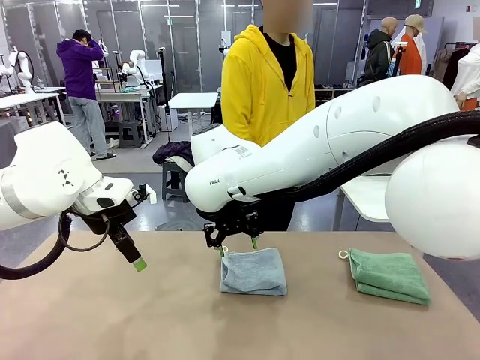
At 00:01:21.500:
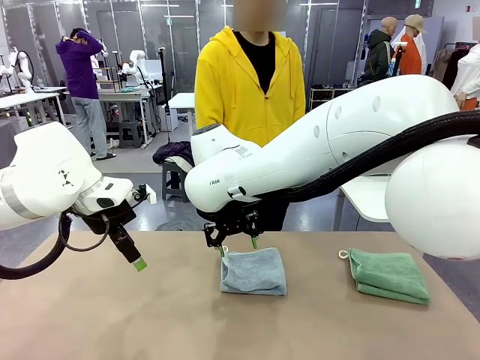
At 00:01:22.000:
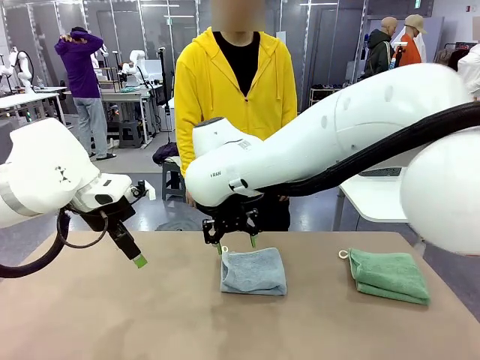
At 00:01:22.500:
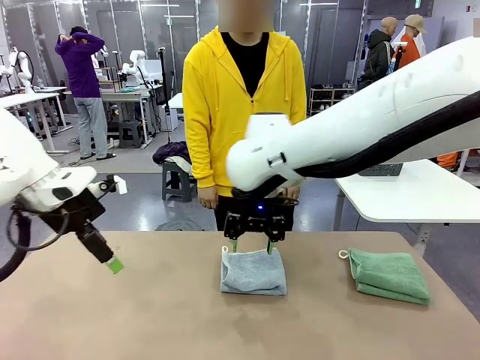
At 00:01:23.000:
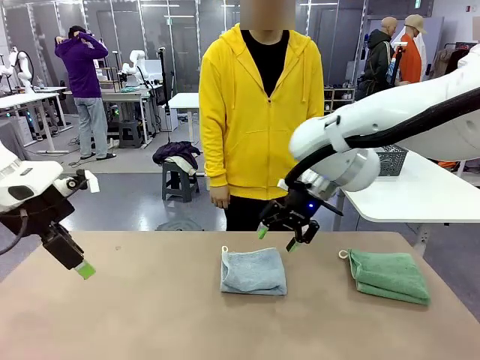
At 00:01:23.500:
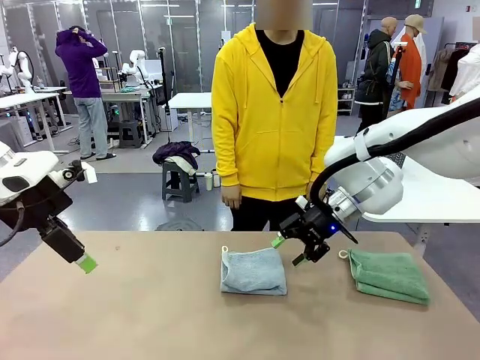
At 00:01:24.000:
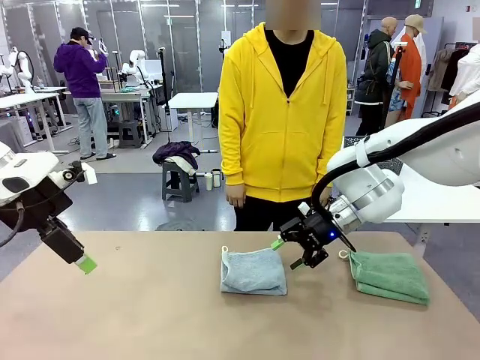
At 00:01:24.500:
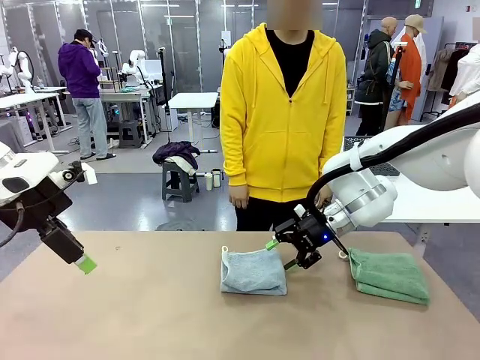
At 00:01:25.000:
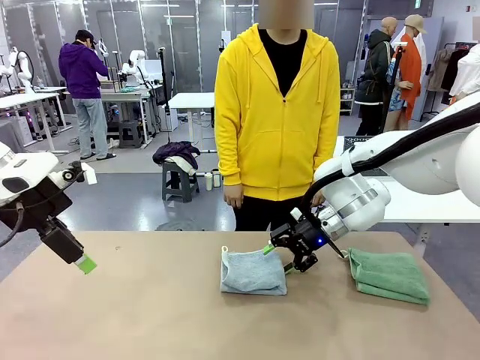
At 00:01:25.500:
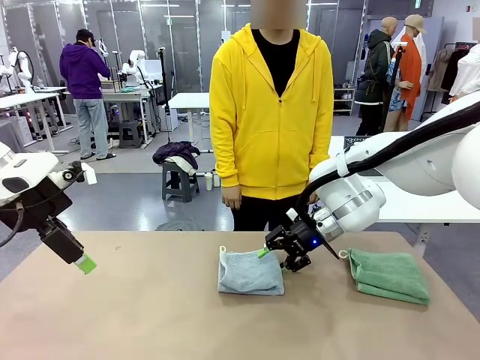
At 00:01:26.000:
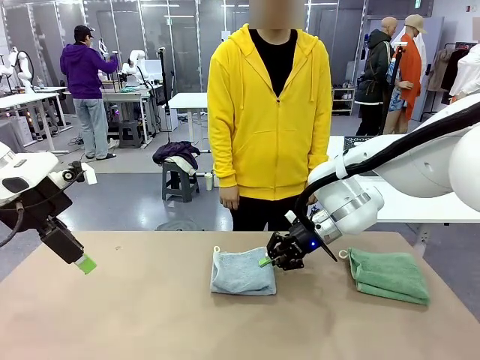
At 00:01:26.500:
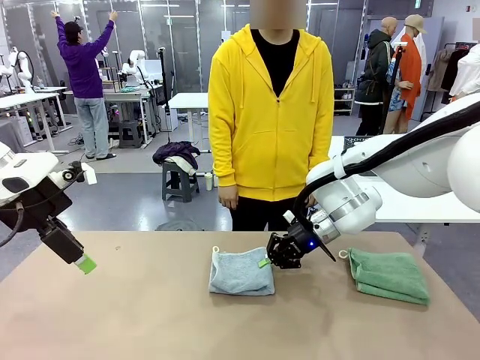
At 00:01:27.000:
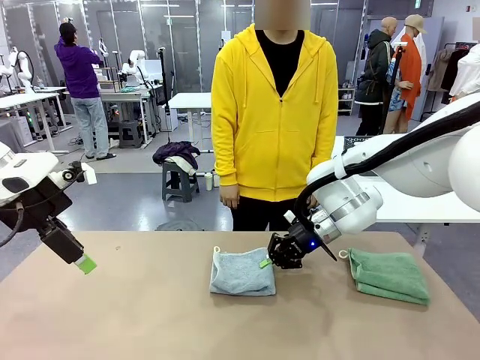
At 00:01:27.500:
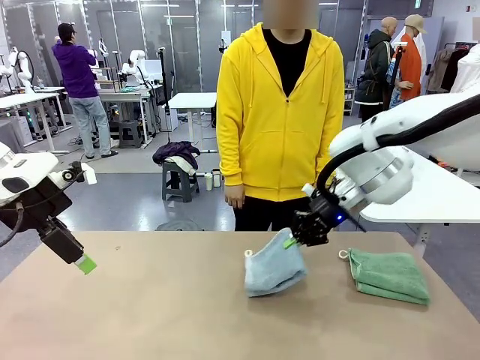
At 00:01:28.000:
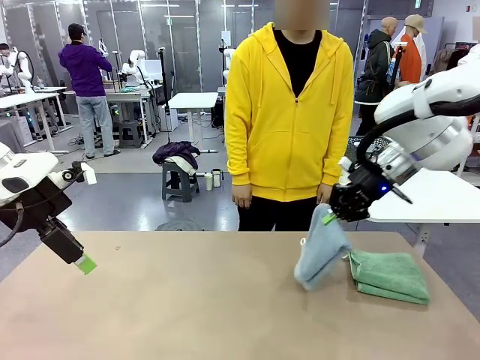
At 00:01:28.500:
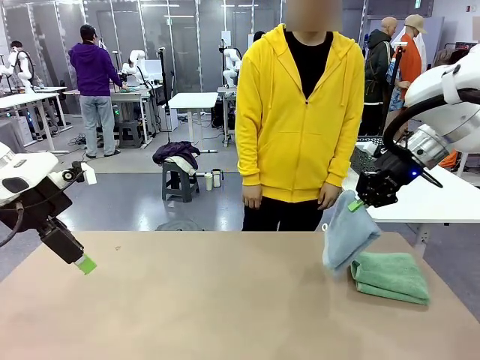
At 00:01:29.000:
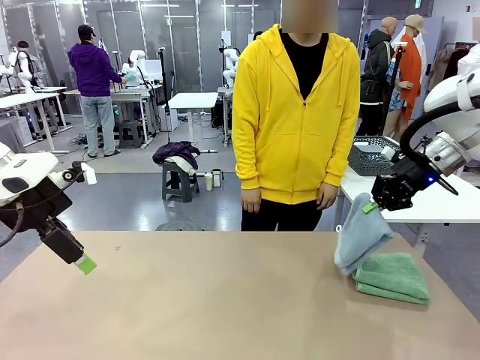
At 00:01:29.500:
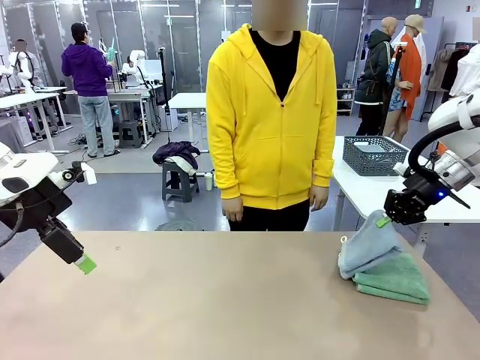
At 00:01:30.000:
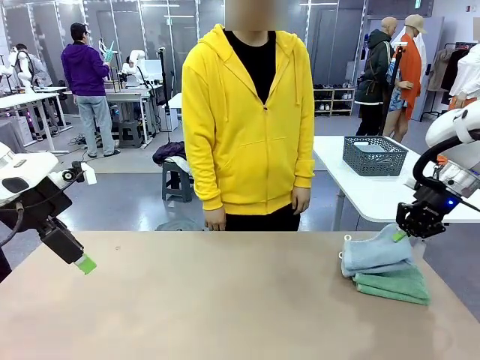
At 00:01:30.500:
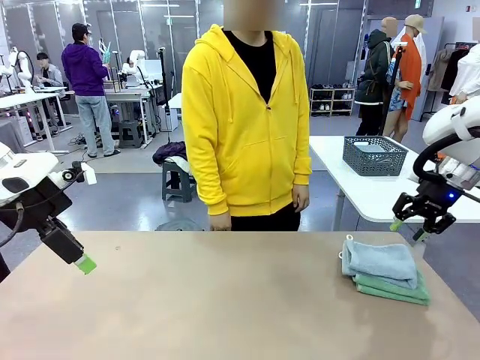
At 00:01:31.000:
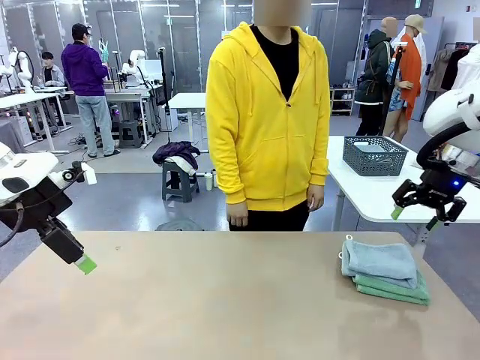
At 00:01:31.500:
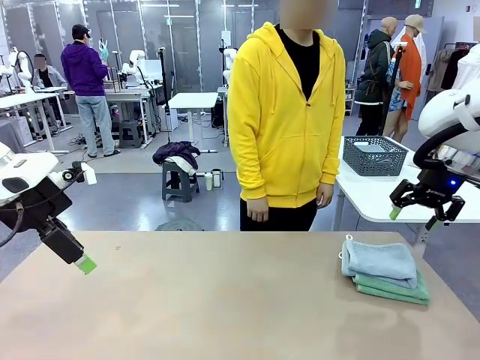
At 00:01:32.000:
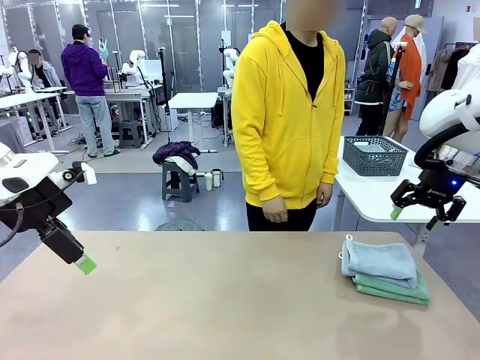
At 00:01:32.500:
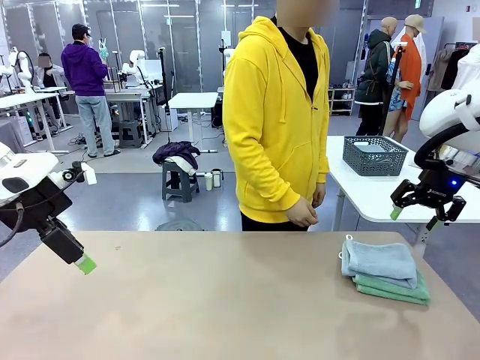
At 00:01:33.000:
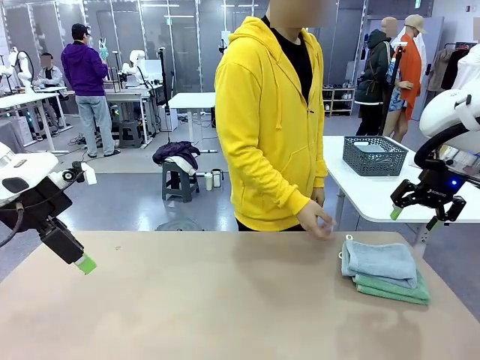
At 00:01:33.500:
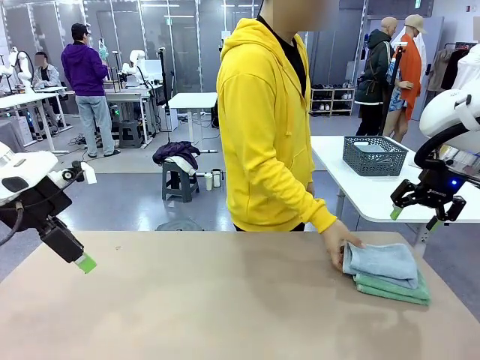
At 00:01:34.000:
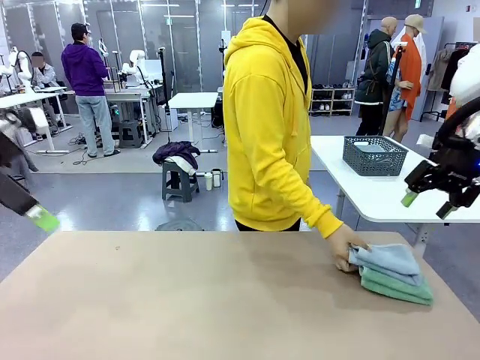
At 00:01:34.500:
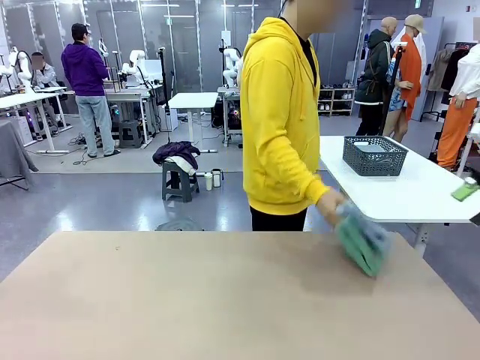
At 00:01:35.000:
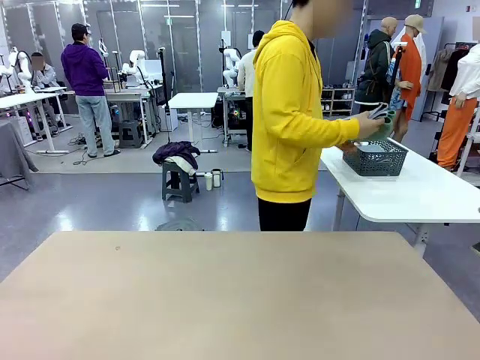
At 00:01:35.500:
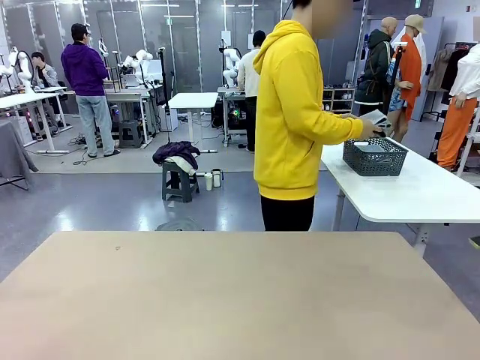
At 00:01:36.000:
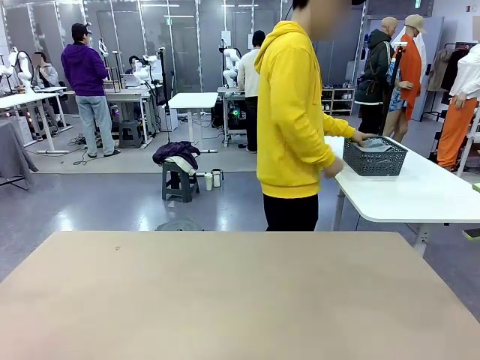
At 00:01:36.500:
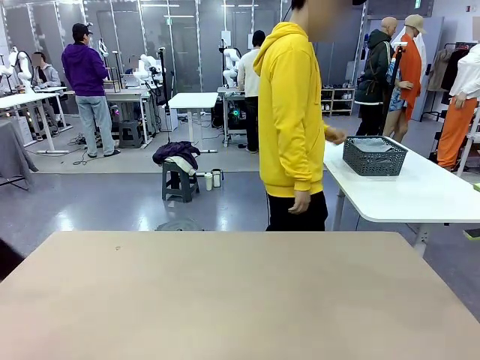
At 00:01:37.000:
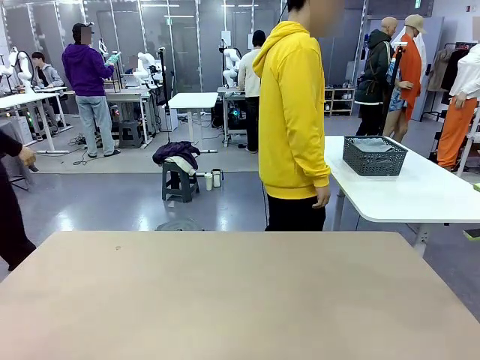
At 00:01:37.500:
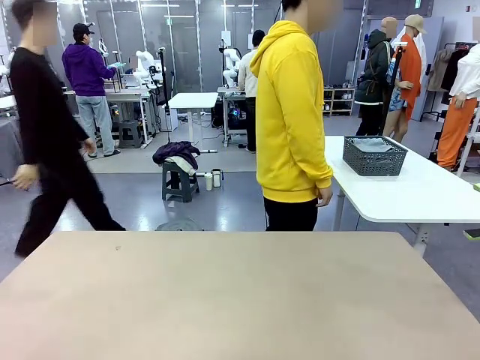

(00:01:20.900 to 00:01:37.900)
Task: Fold the towels and place them in the basket.
Robot: Stack the folded Towel with hook on the right side of the table.
Person: Pick up the stack of towels from the robot table and place it into the basket.
